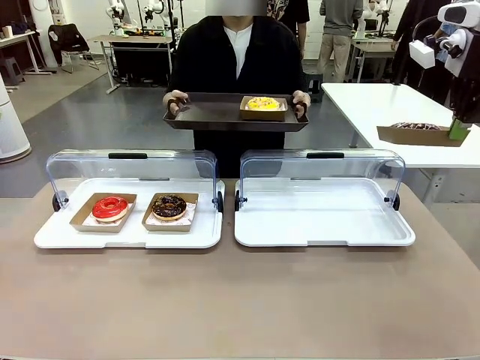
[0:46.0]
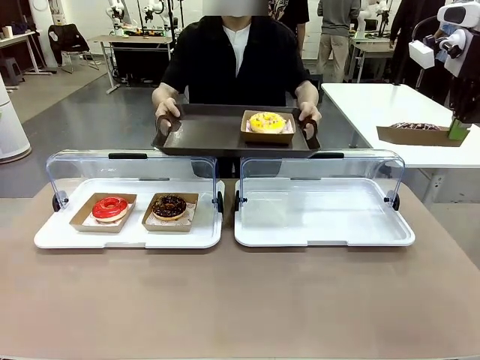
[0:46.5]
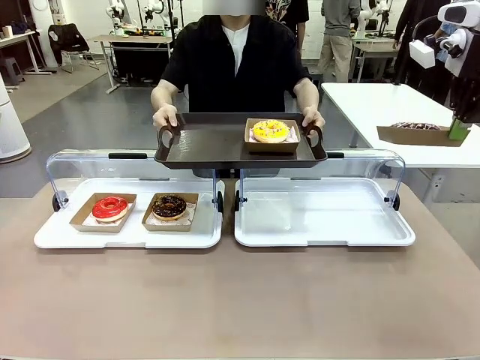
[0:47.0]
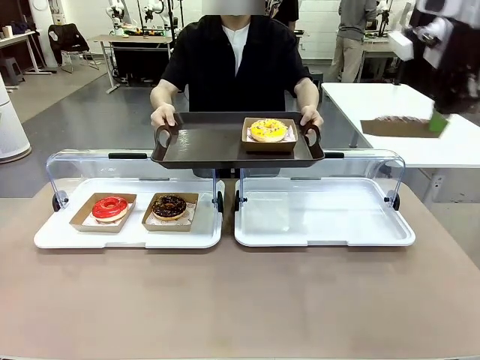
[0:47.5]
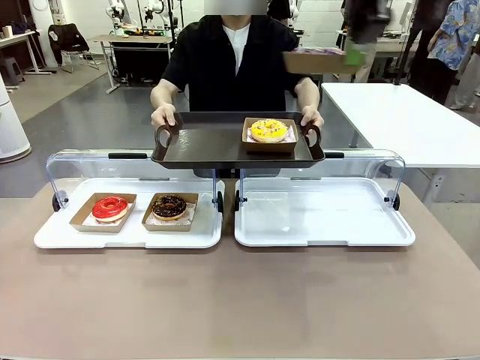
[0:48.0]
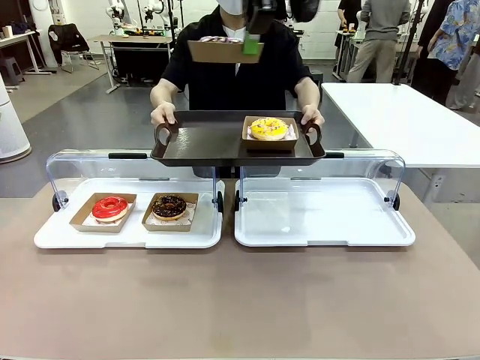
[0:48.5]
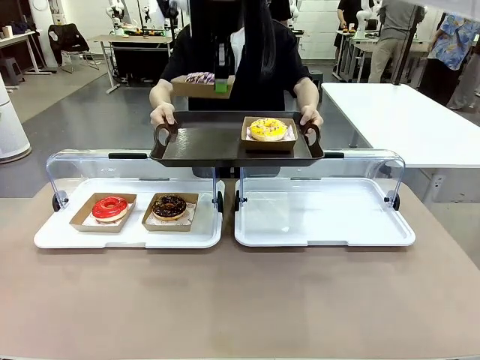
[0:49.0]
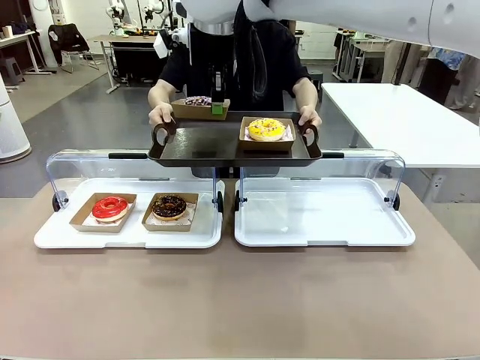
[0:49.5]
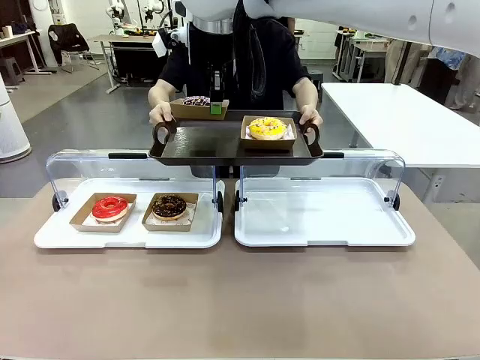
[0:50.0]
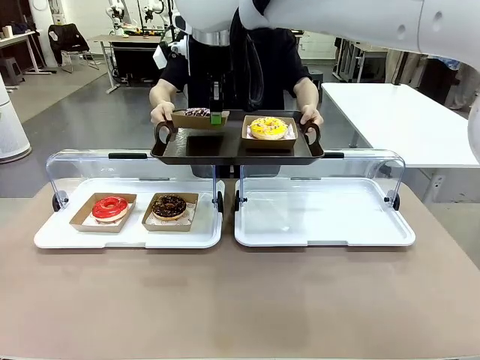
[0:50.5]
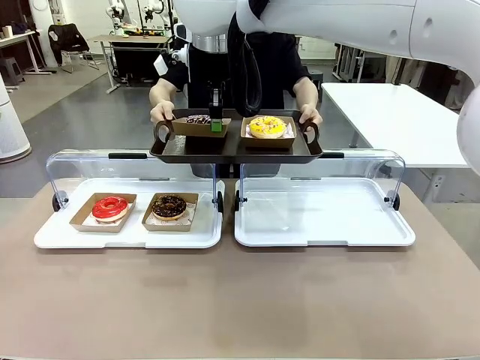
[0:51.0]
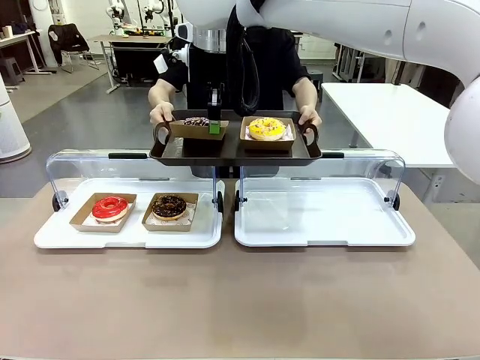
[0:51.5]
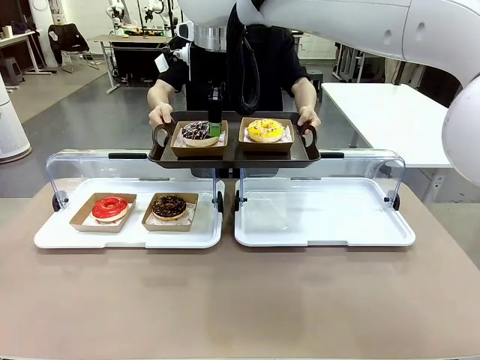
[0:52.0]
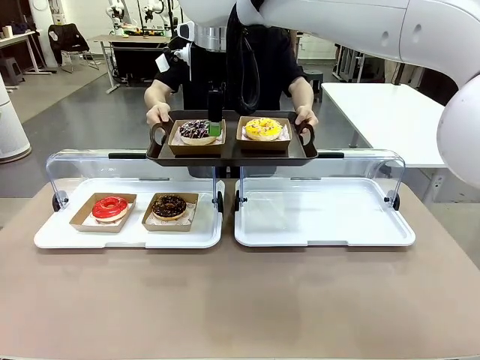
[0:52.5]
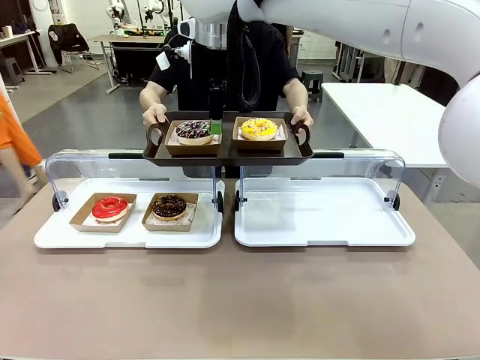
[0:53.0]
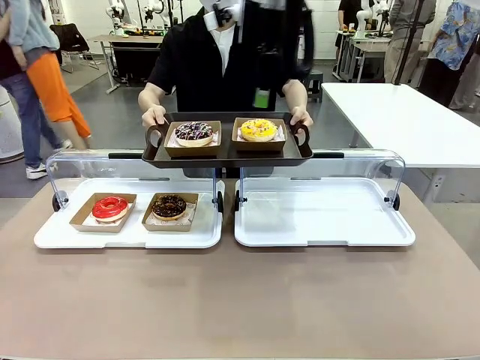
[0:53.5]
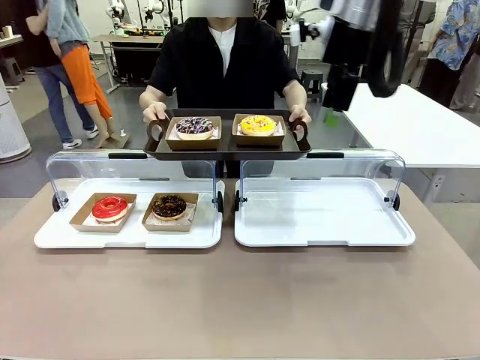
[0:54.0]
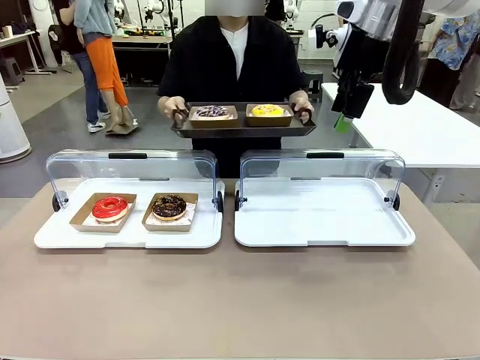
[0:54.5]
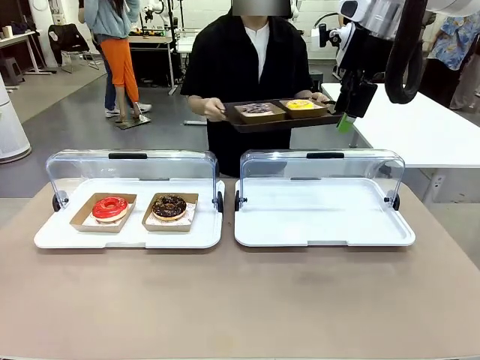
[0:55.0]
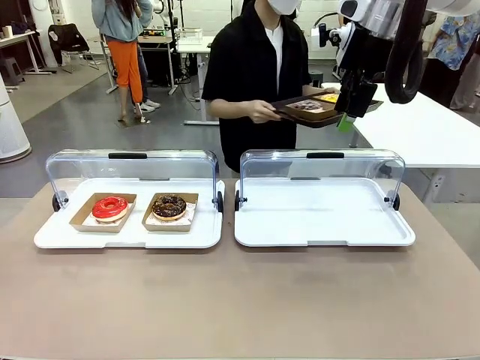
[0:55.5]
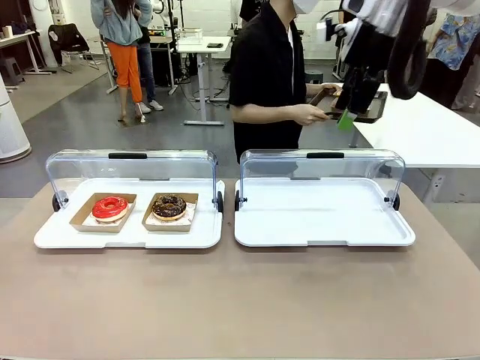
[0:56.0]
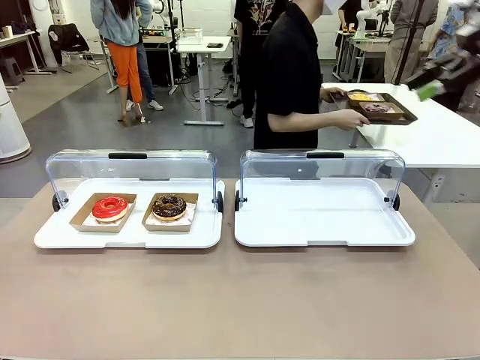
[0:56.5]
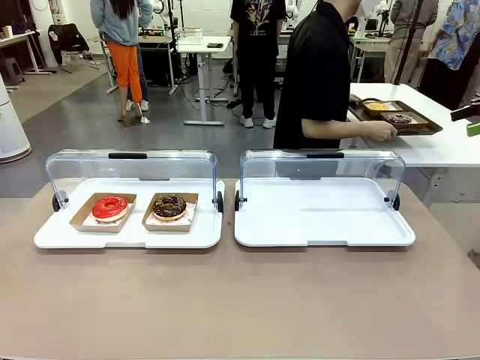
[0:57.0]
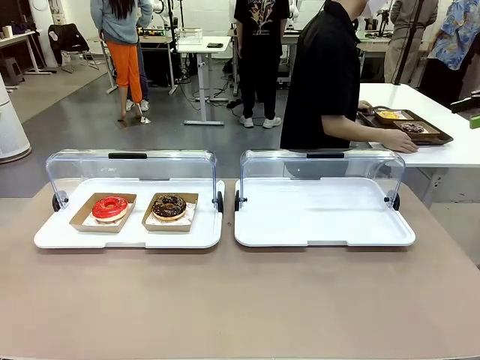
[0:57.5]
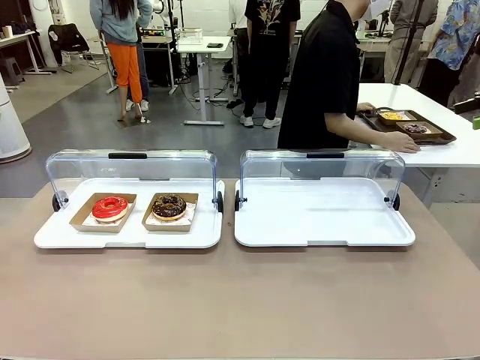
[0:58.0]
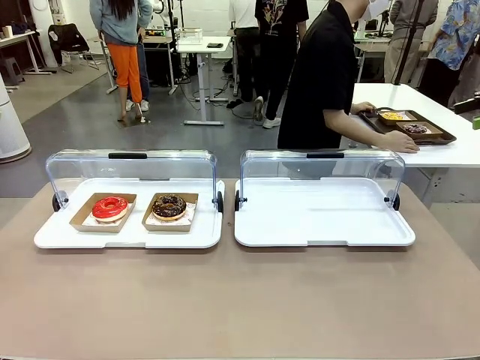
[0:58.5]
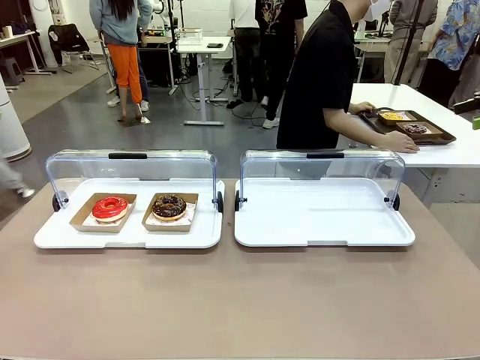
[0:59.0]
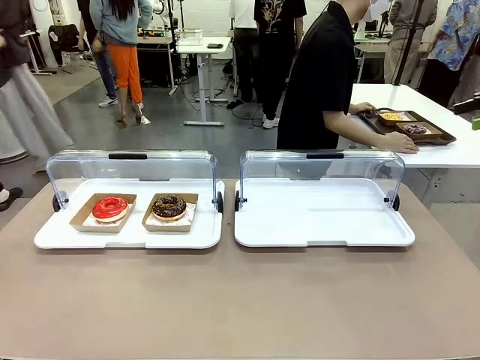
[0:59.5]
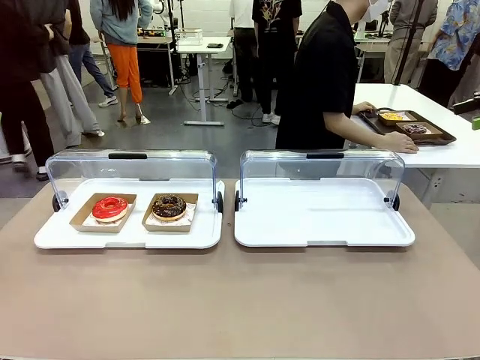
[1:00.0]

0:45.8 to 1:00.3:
Task: Provide the desired donut to the person.
Robot: Place the picked Paper togo box onto the Handle tray extended by the person.
Person: Place the tray in the middle of the human table.

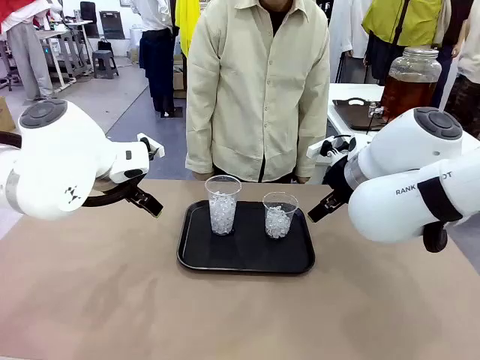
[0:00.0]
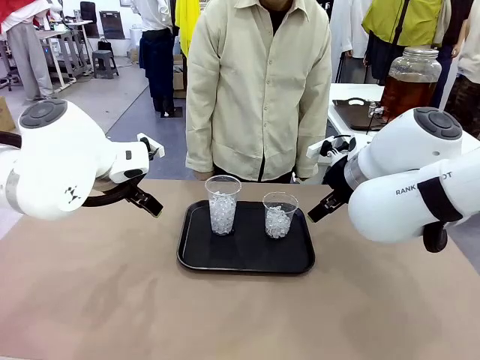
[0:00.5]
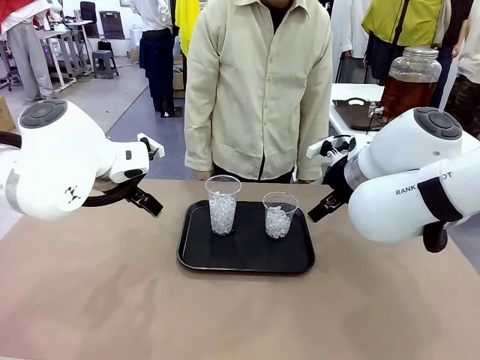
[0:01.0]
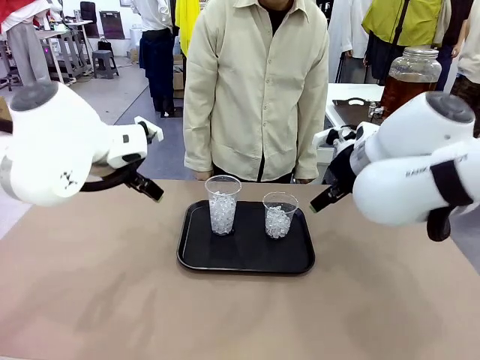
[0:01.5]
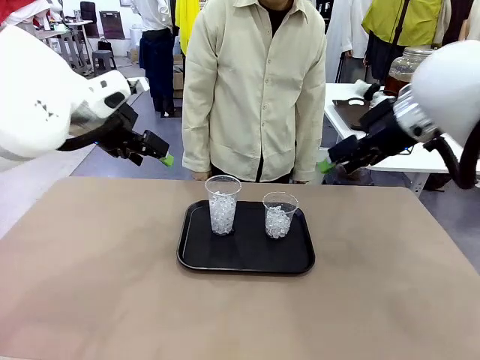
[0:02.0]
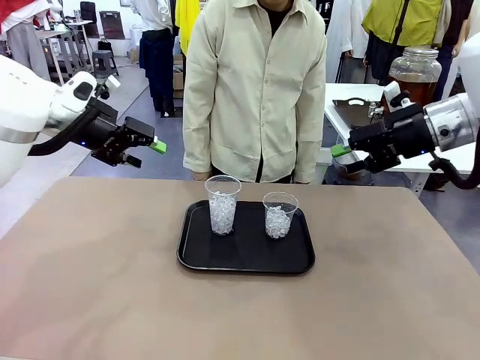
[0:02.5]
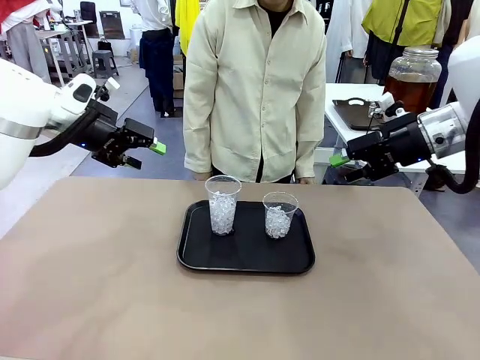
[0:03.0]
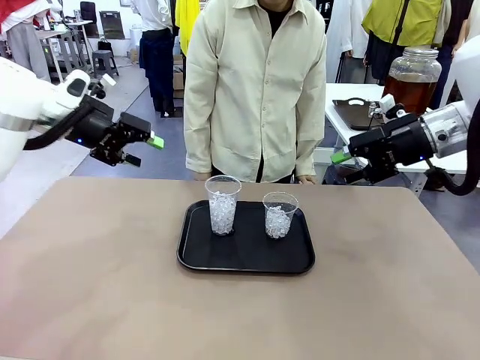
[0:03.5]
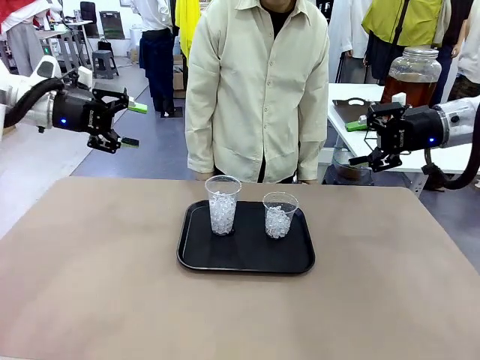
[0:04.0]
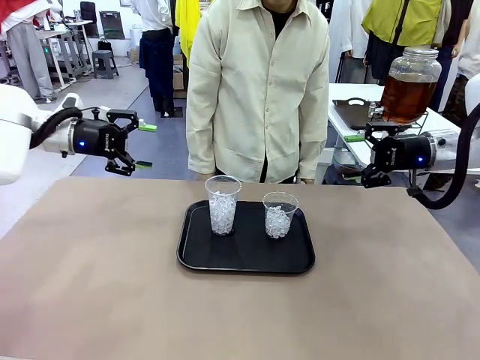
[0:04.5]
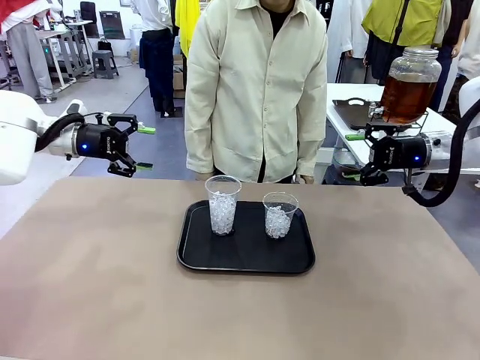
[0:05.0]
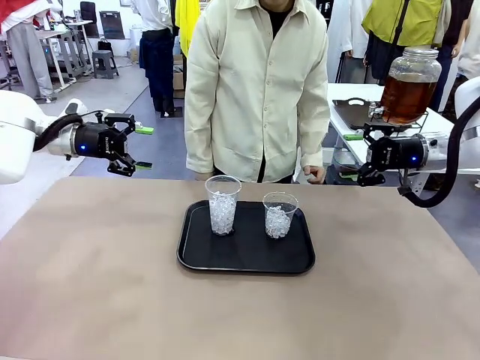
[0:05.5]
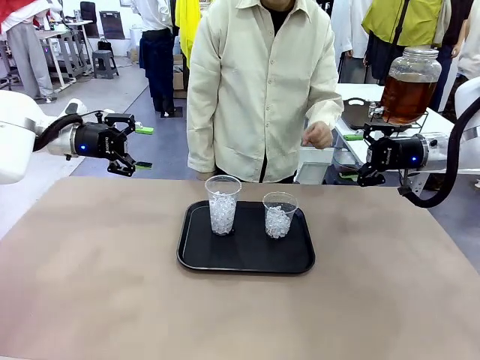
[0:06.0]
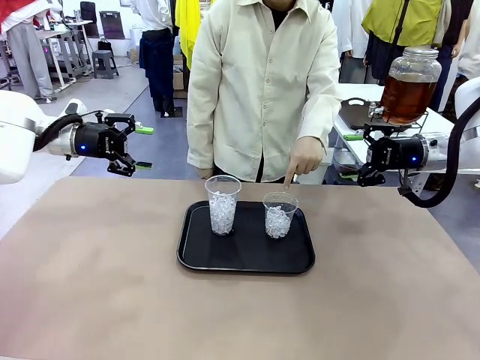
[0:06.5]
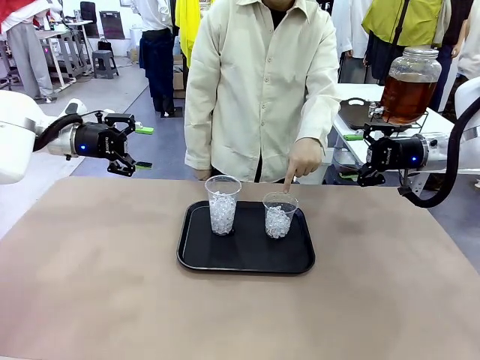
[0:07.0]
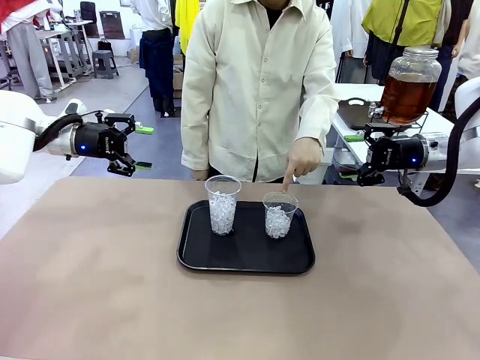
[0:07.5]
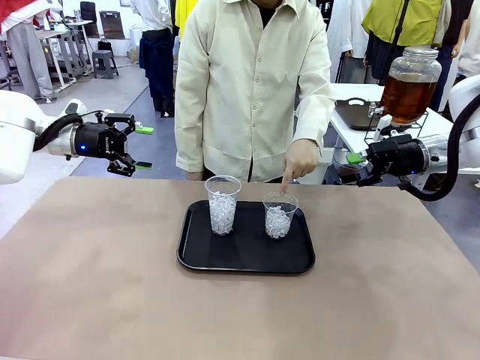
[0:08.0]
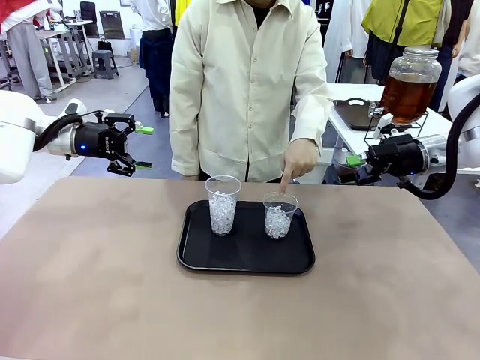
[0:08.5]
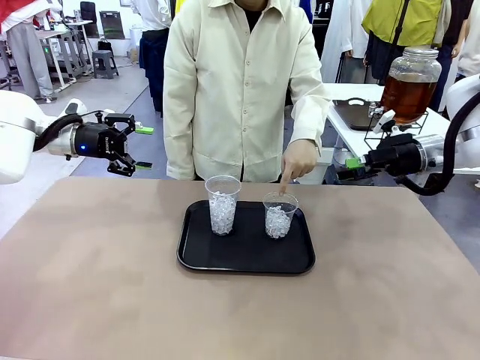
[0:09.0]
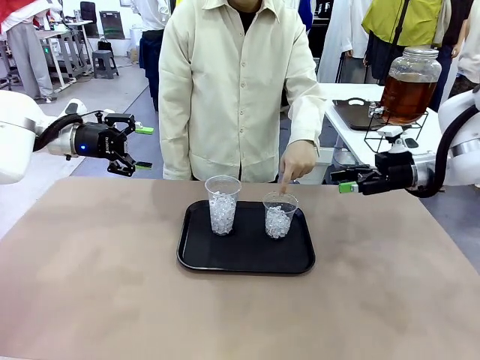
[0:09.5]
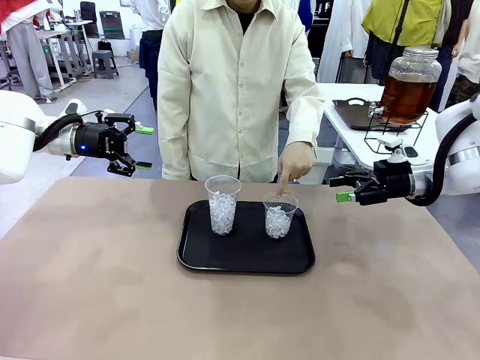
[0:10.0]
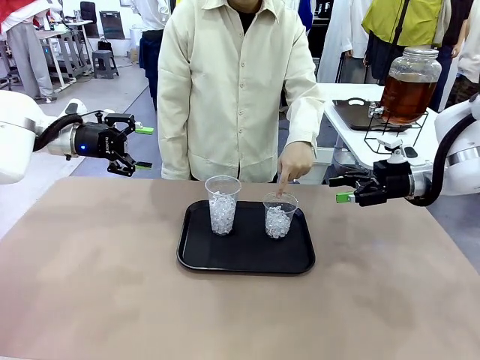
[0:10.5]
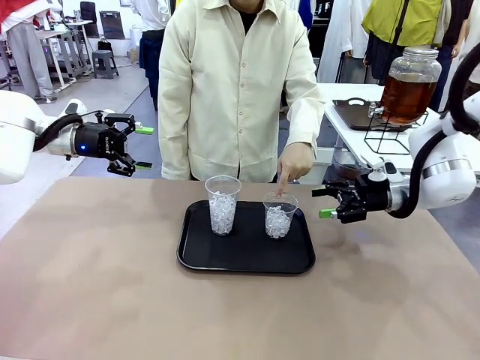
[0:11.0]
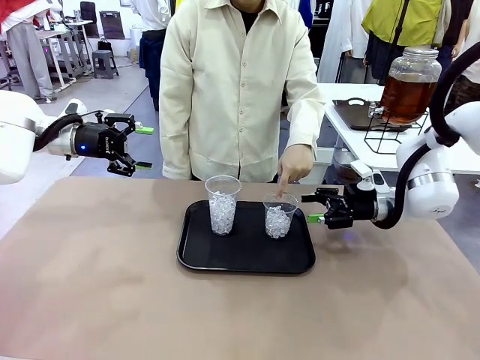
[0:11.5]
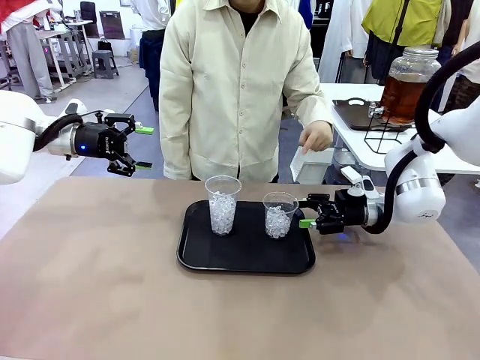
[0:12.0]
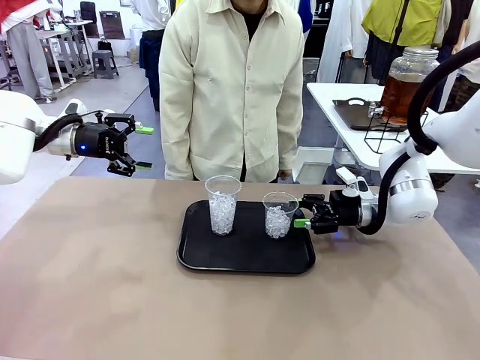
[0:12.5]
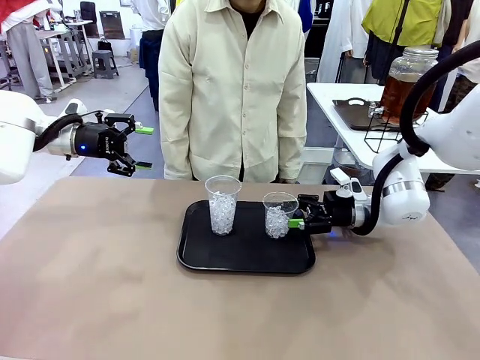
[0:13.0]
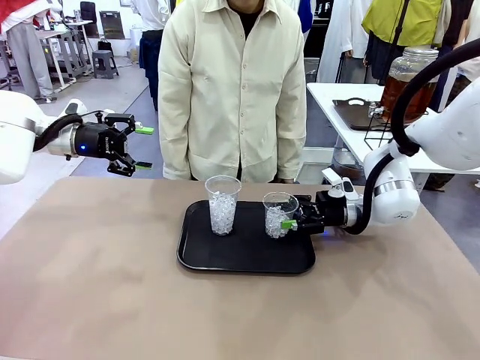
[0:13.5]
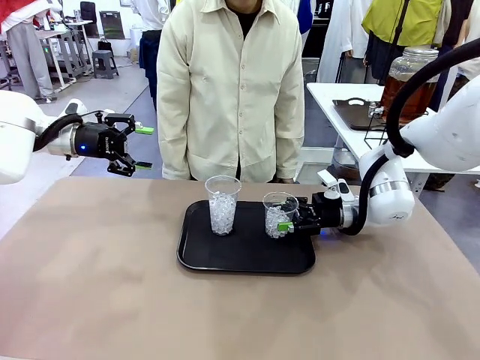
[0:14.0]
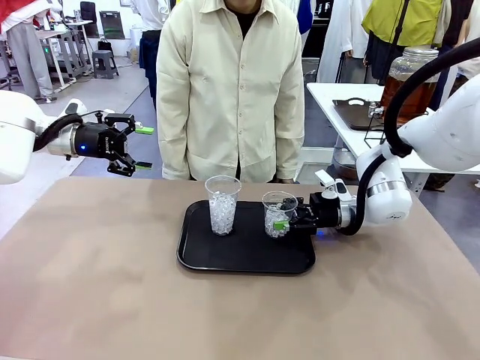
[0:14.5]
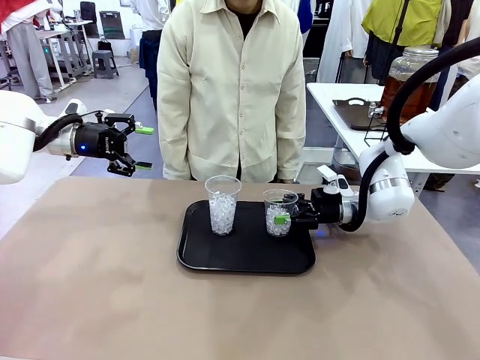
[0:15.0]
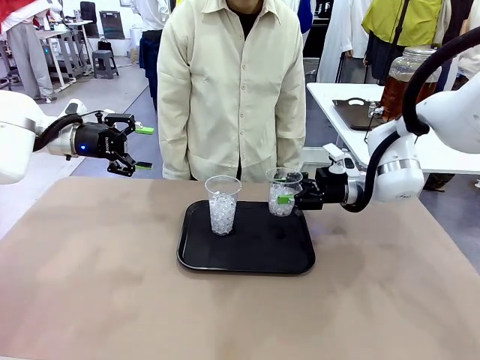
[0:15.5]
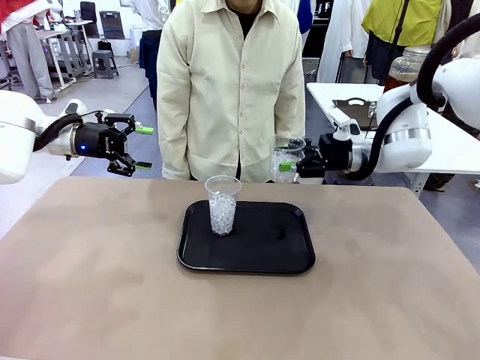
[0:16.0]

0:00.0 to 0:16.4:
Task: Pour the drink into the iced cup.
Robot: Pick up the iced cup indicated by the human and present it to them.
Person: Point to one of the two ice cups. Pick up the cup offered by the robot.
